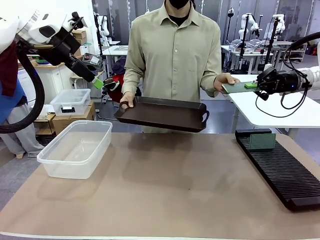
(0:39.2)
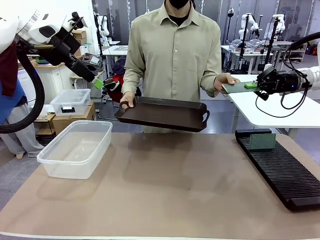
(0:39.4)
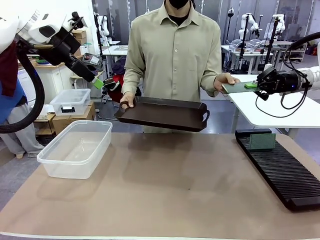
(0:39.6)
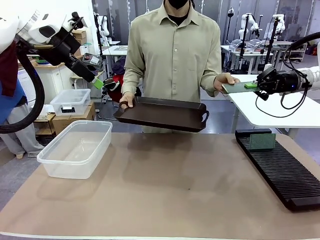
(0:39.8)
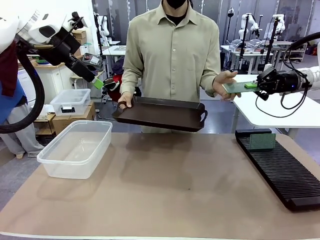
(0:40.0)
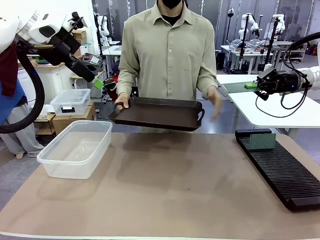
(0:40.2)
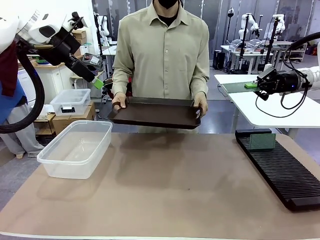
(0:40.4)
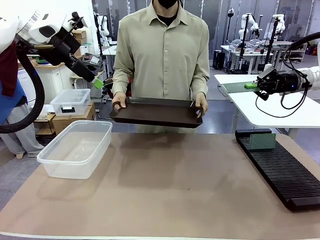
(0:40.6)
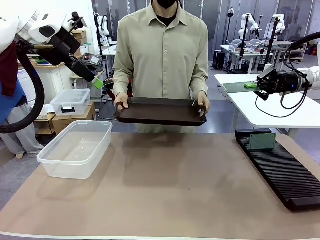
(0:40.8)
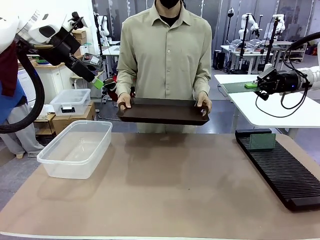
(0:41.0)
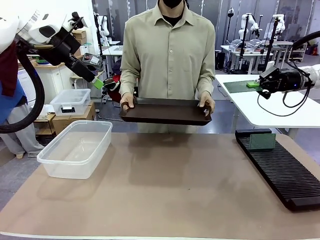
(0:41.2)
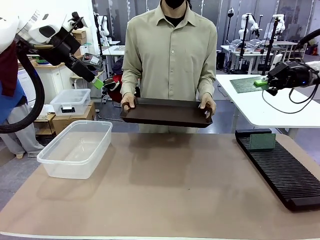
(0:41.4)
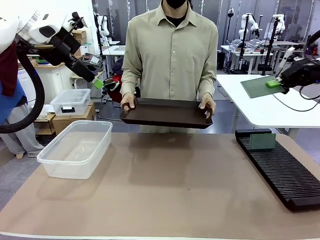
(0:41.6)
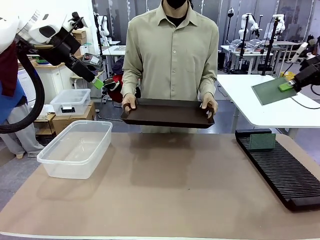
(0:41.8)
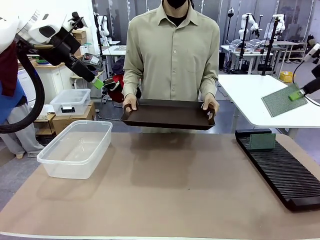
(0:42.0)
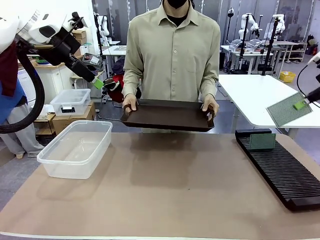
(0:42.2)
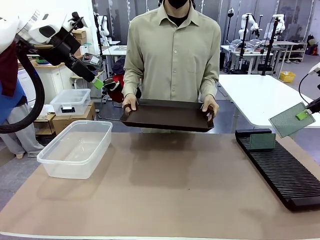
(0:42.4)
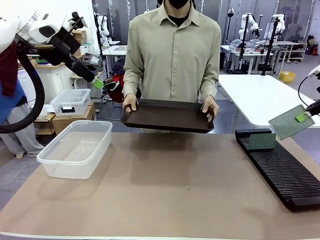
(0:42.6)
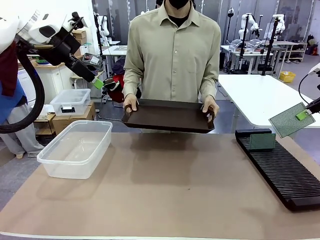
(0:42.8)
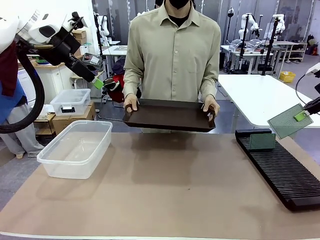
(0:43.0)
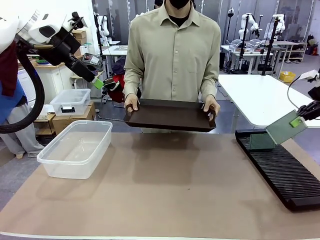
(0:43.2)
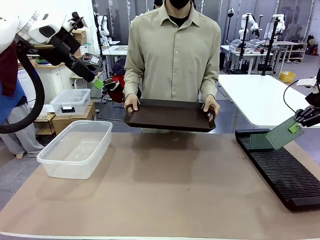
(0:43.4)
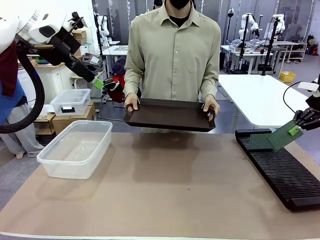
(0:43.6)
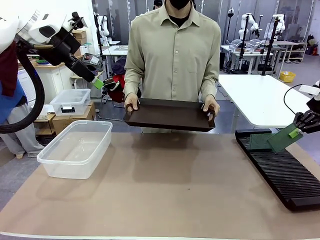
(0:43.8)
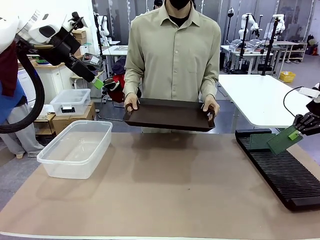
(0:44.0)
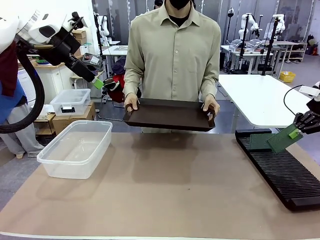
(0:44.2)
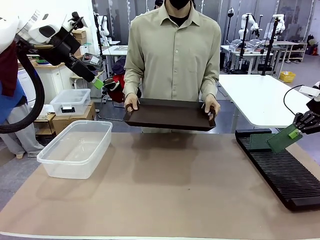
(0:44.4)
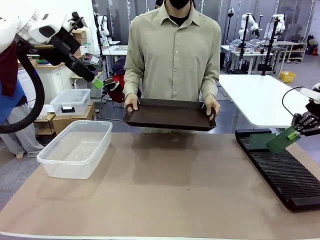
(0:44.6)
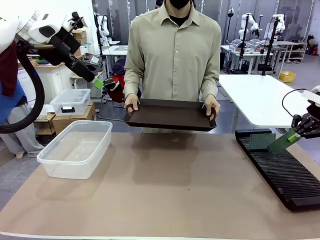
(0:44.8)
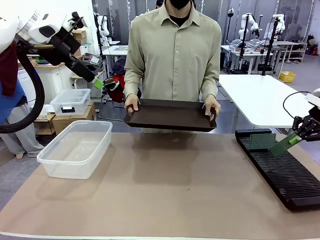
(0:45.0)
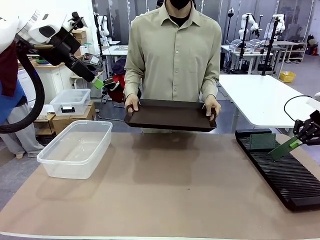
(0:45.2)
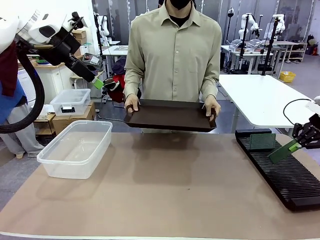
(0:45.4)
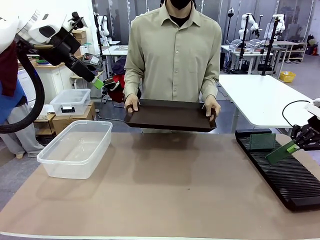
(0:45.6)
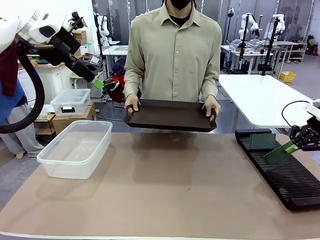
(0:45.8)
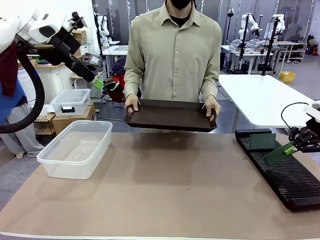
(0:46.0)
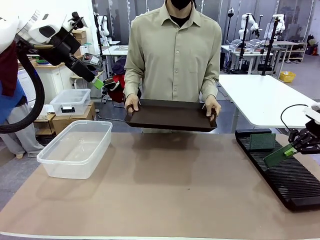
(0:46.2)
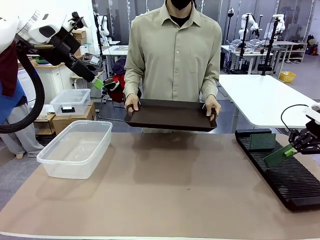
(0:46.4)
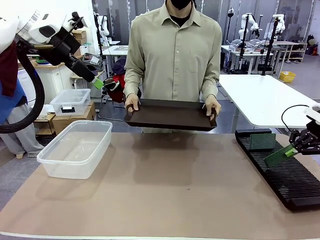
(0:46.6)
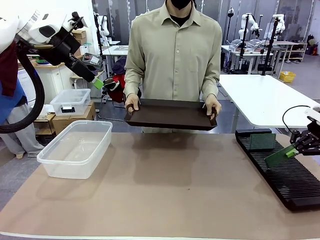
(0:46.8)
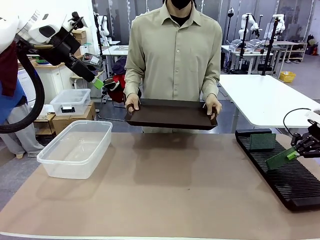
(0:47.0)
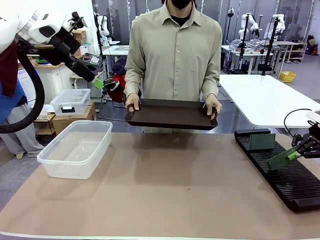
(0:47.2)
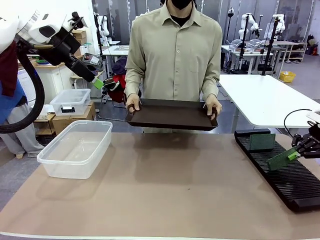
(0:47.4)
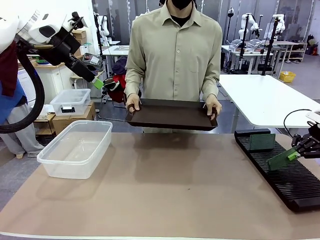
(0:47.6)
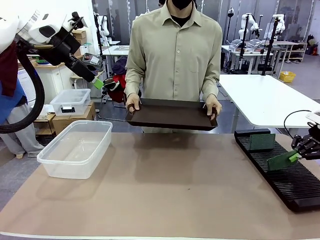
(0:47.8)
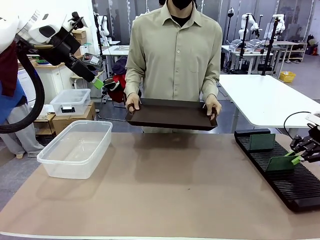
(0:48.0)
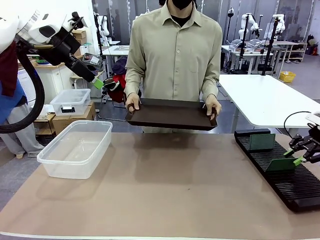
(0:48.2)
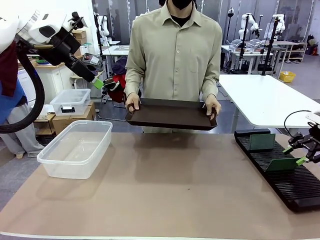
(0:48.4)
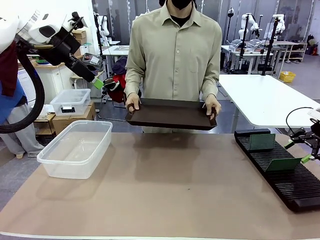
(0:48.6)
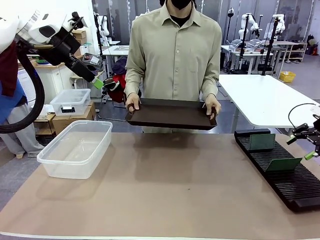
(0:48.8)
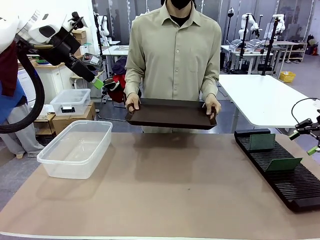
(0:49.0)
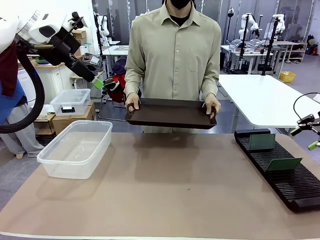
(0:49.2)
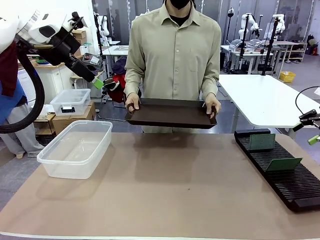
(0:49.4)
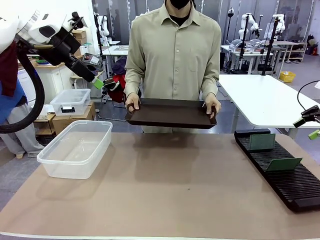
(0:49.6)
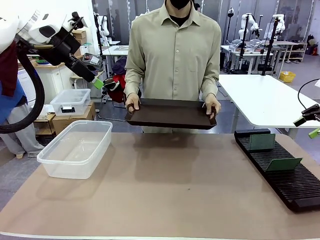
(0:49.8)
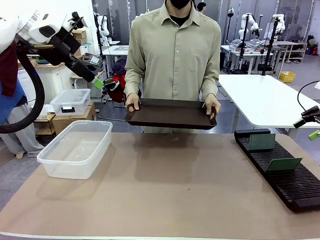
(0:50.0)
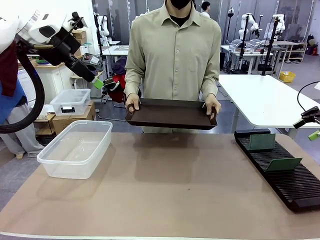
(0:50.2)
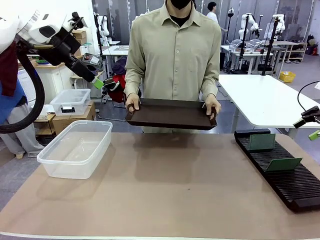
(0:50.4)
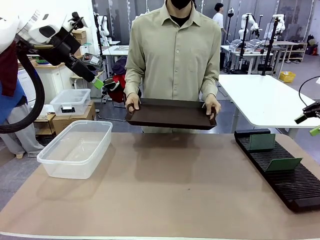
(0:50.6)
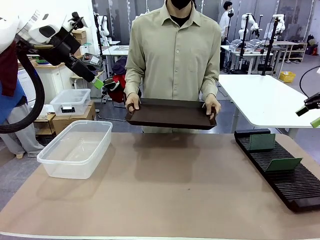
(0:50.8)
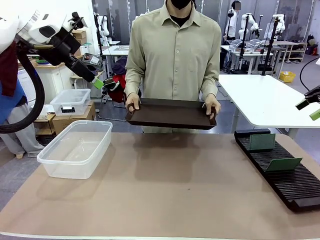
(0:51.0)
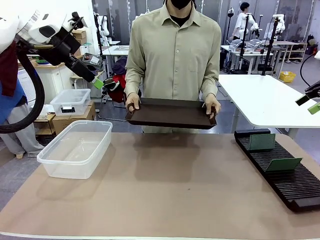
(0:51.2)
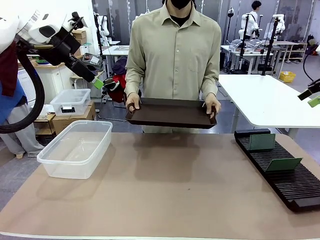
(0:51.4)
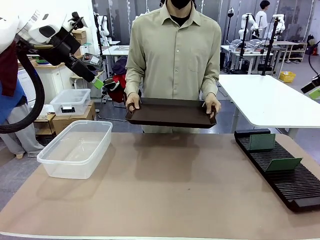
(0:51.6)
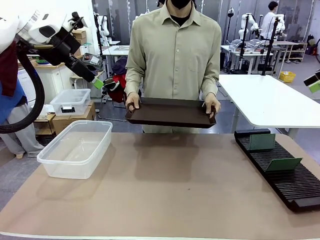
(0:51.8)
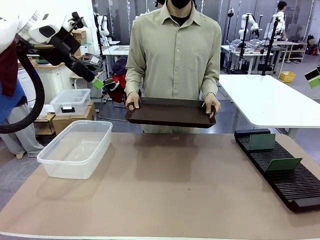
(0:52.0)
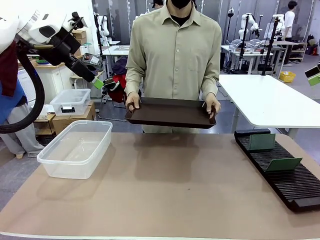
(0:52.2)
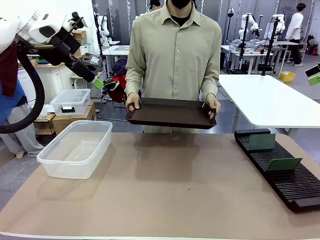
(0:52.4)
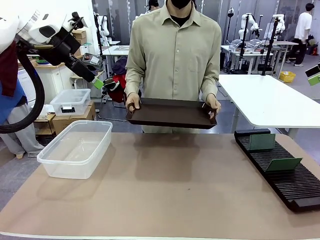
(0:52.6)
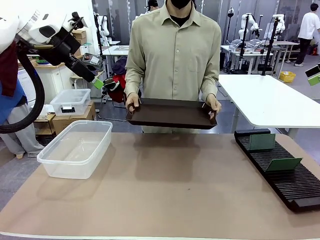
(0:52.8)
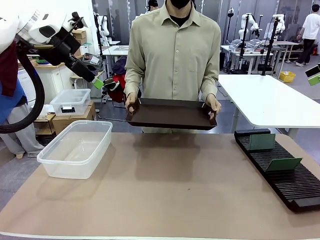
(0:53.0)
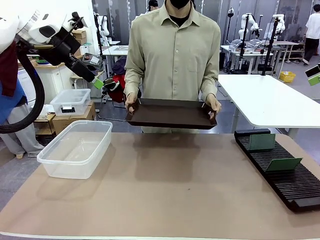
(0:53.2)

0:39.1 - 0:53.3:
Task: Sort PCBs into racks and boxes based on the side picked up.
Robot: If the short side of the Blank PCB is picked up, insert it into the PCB Rack ; if the long side is picked up, place it in the Organizing box.
Person: Release the PCB being held.
